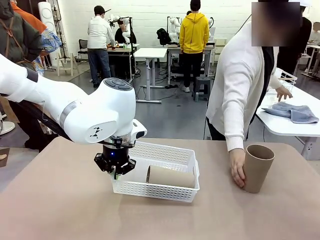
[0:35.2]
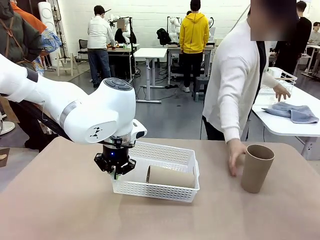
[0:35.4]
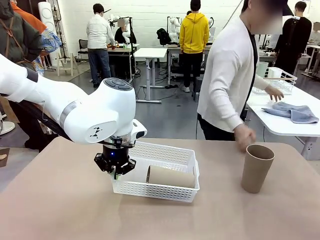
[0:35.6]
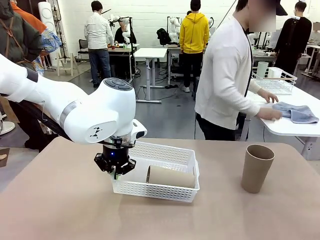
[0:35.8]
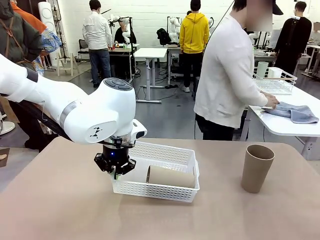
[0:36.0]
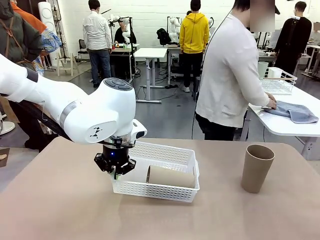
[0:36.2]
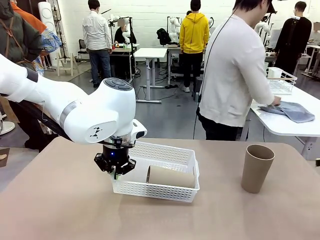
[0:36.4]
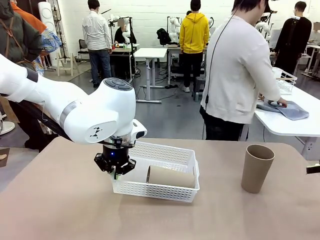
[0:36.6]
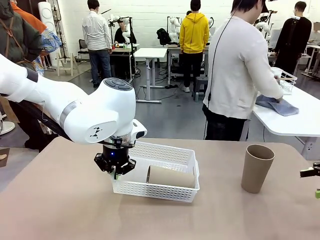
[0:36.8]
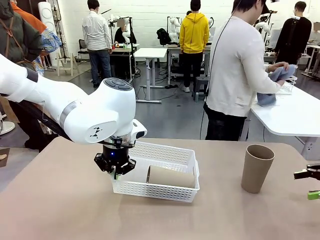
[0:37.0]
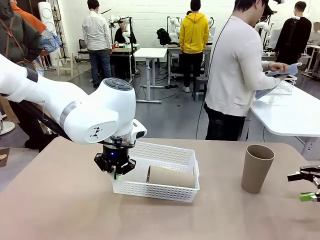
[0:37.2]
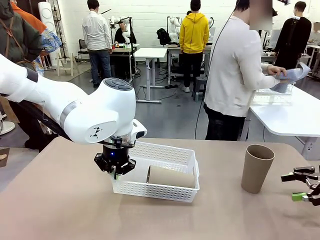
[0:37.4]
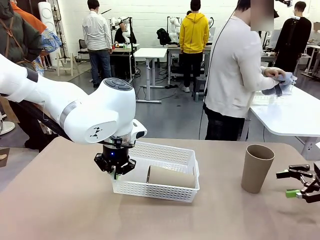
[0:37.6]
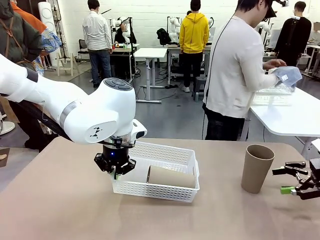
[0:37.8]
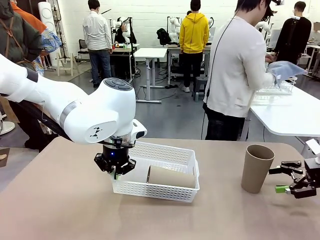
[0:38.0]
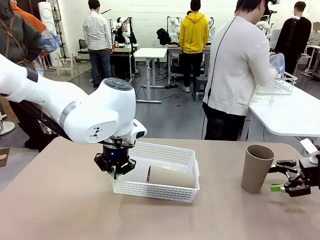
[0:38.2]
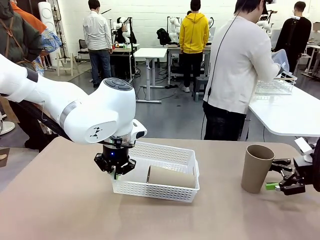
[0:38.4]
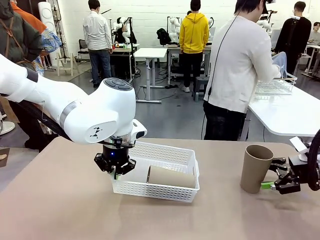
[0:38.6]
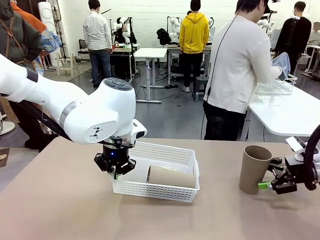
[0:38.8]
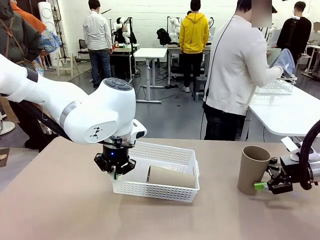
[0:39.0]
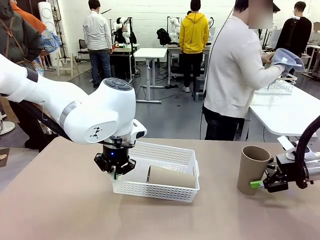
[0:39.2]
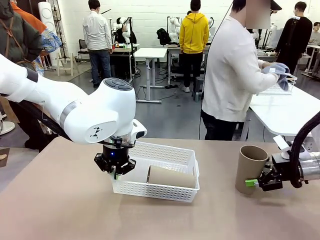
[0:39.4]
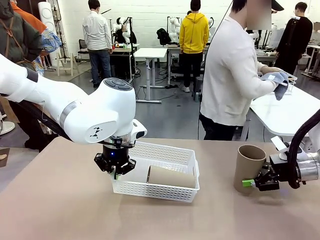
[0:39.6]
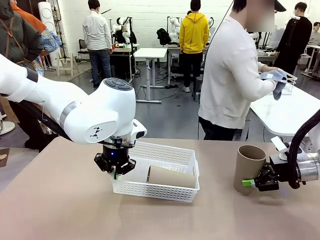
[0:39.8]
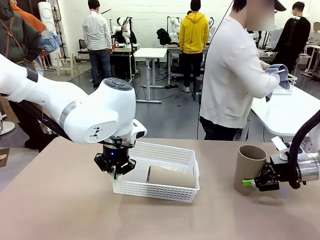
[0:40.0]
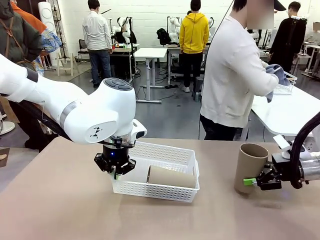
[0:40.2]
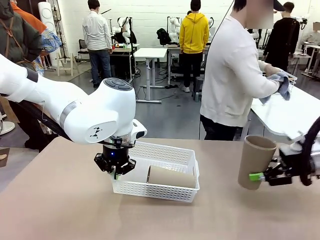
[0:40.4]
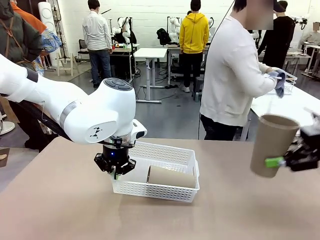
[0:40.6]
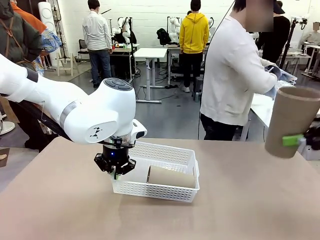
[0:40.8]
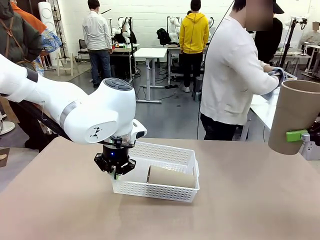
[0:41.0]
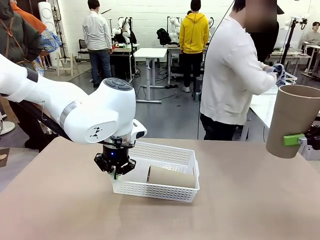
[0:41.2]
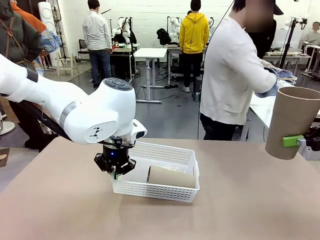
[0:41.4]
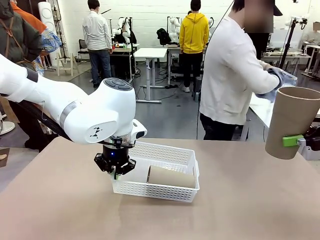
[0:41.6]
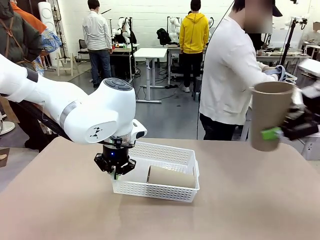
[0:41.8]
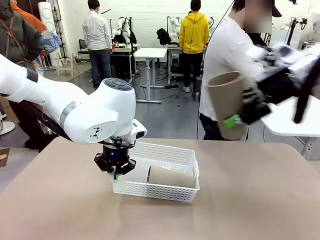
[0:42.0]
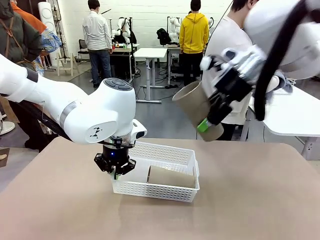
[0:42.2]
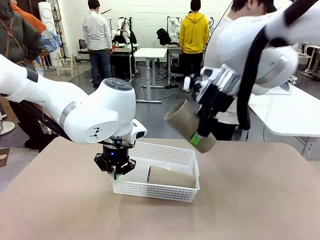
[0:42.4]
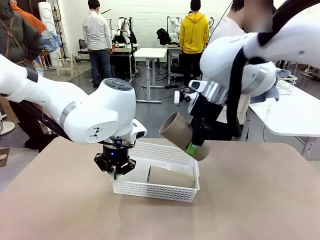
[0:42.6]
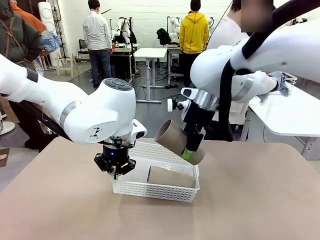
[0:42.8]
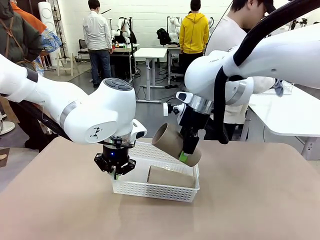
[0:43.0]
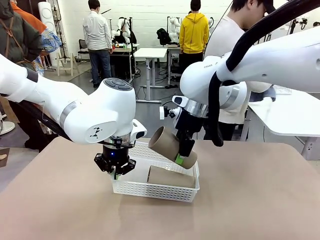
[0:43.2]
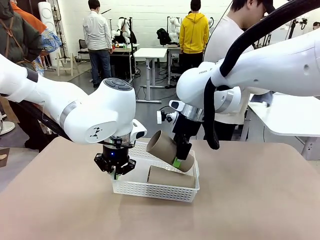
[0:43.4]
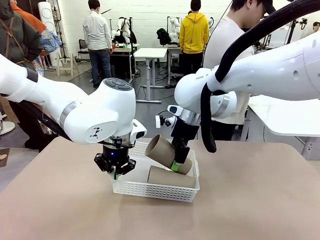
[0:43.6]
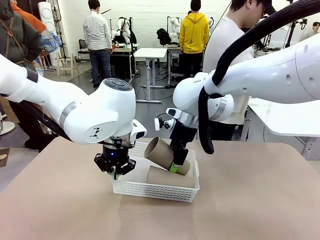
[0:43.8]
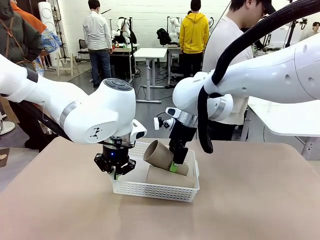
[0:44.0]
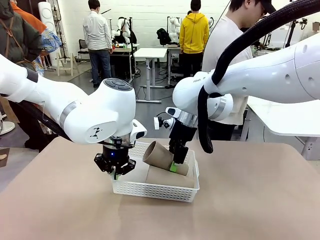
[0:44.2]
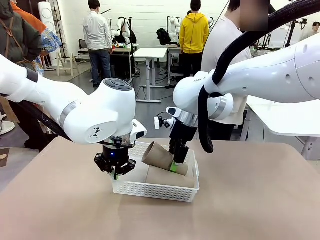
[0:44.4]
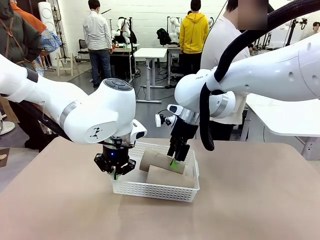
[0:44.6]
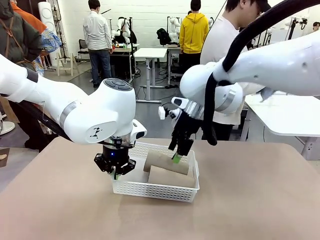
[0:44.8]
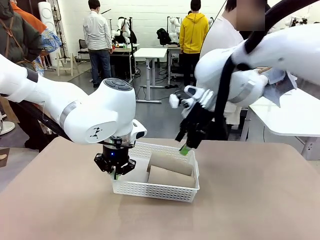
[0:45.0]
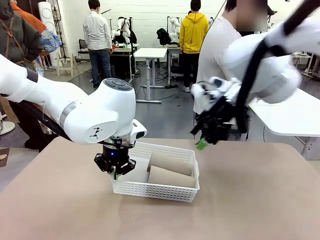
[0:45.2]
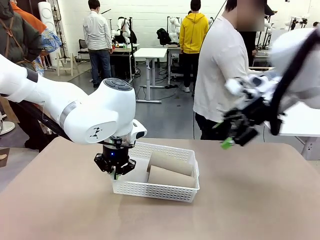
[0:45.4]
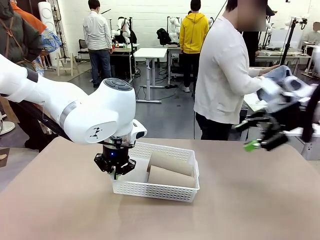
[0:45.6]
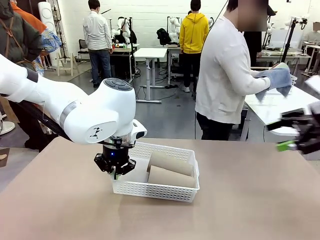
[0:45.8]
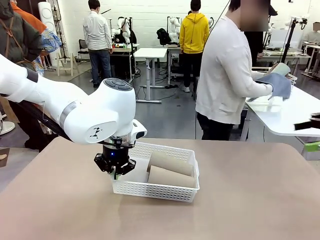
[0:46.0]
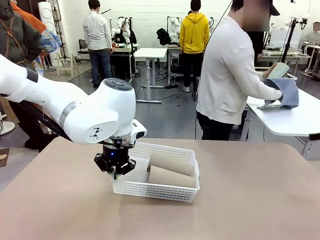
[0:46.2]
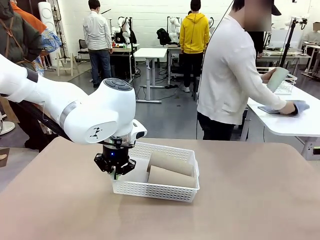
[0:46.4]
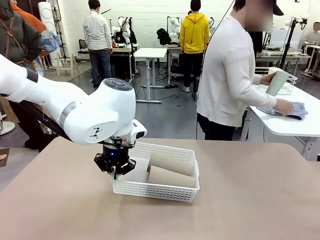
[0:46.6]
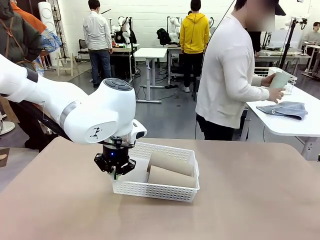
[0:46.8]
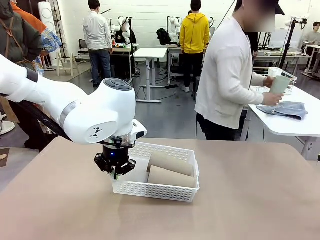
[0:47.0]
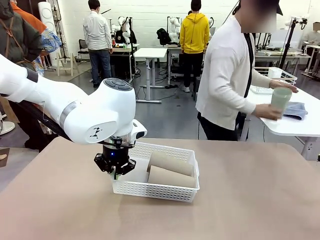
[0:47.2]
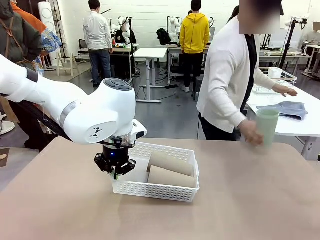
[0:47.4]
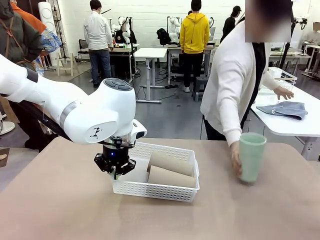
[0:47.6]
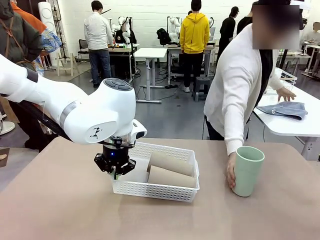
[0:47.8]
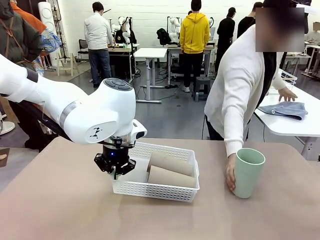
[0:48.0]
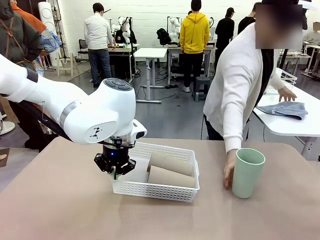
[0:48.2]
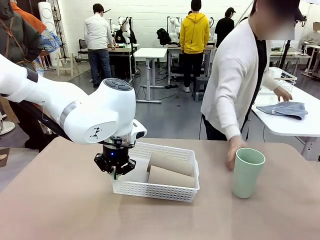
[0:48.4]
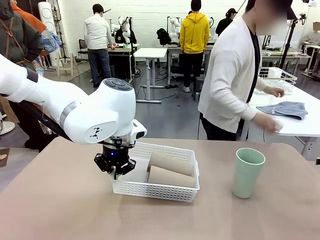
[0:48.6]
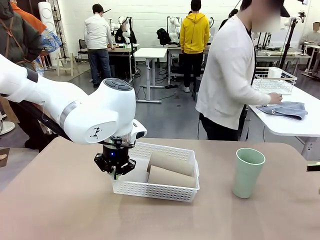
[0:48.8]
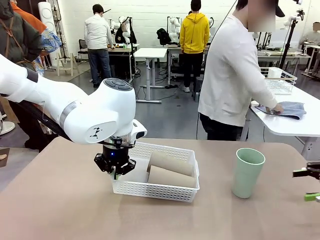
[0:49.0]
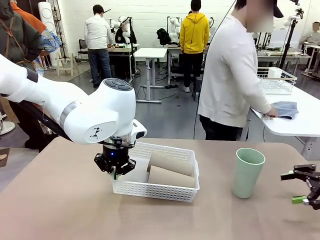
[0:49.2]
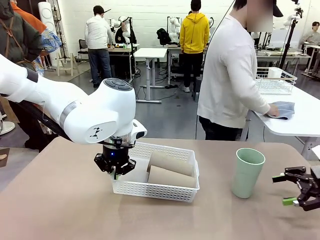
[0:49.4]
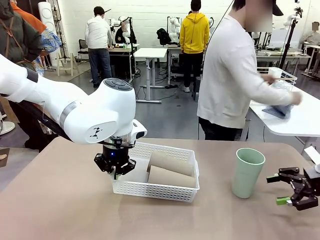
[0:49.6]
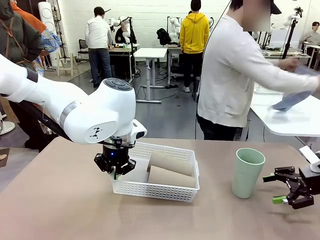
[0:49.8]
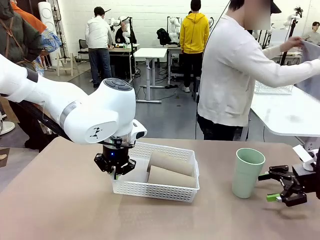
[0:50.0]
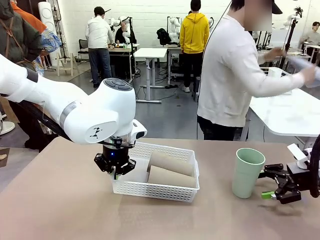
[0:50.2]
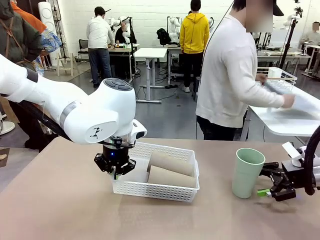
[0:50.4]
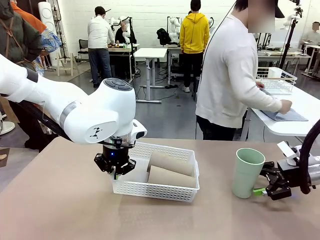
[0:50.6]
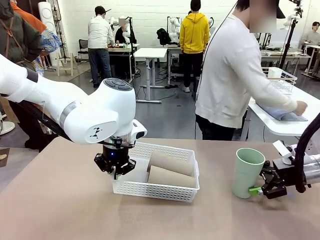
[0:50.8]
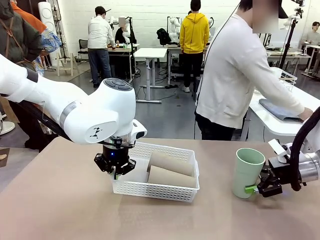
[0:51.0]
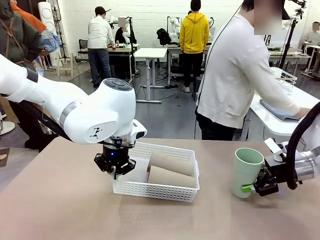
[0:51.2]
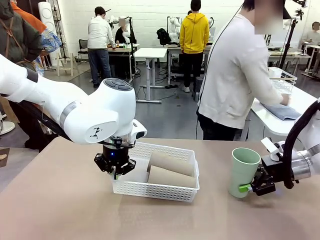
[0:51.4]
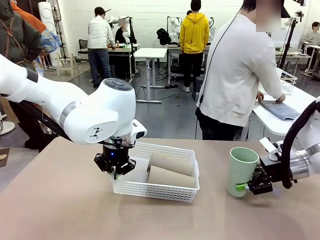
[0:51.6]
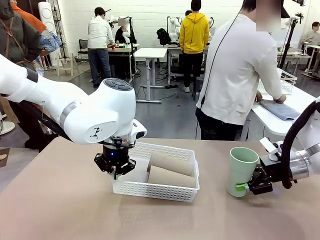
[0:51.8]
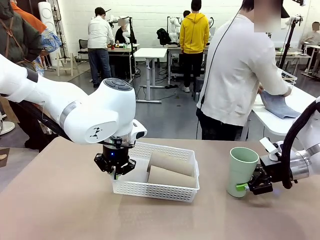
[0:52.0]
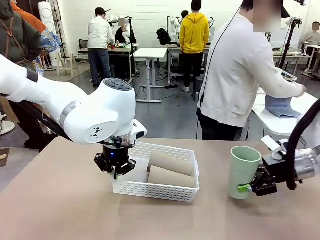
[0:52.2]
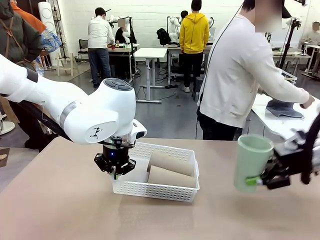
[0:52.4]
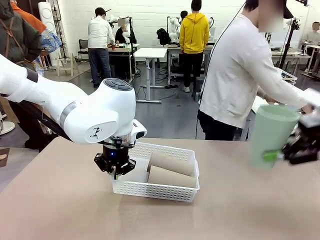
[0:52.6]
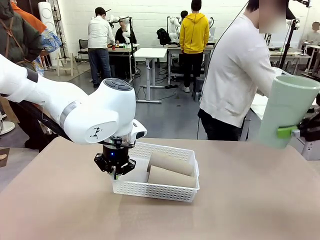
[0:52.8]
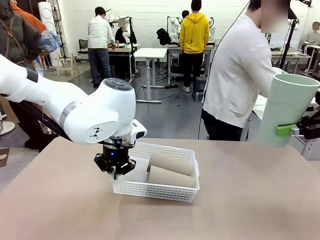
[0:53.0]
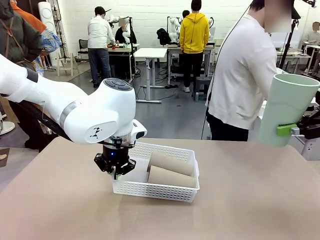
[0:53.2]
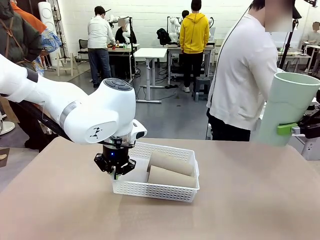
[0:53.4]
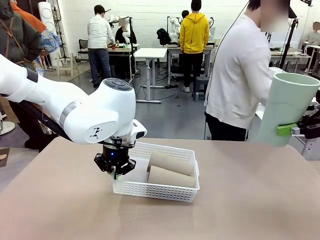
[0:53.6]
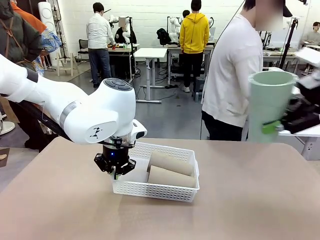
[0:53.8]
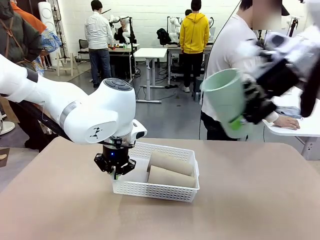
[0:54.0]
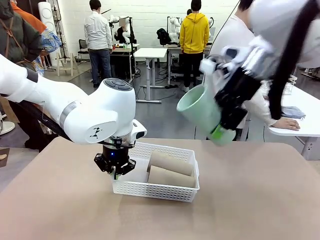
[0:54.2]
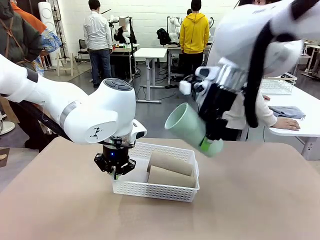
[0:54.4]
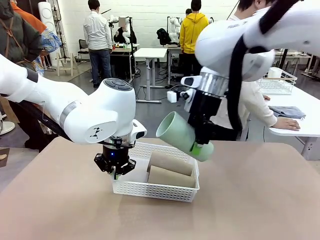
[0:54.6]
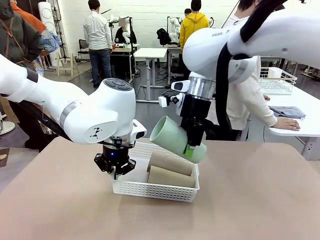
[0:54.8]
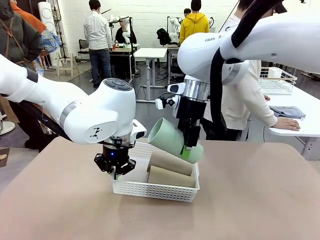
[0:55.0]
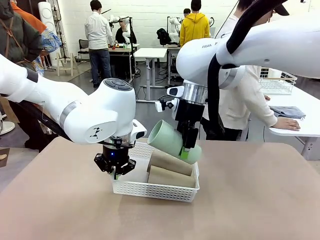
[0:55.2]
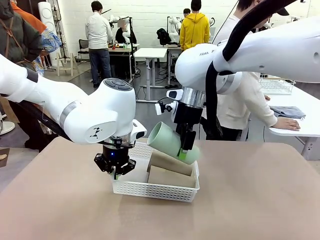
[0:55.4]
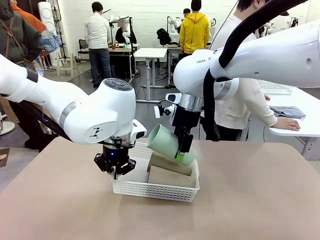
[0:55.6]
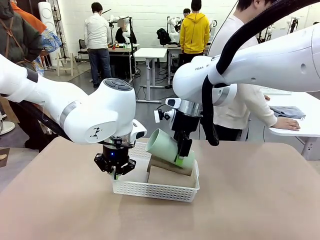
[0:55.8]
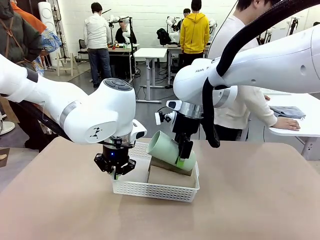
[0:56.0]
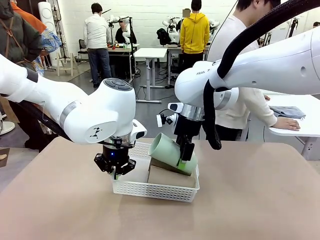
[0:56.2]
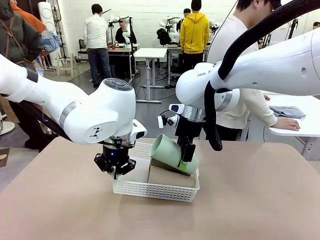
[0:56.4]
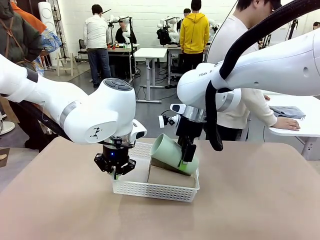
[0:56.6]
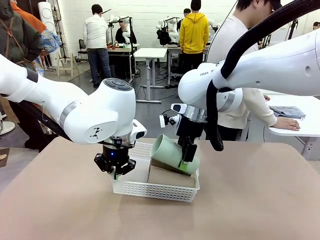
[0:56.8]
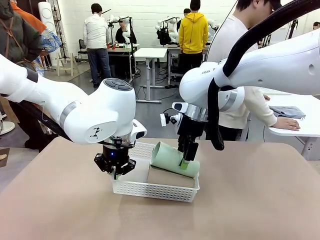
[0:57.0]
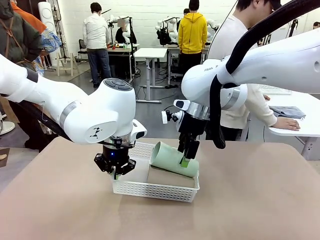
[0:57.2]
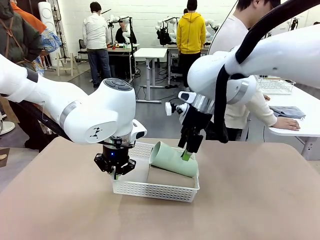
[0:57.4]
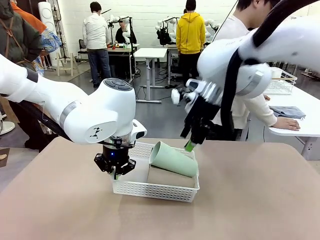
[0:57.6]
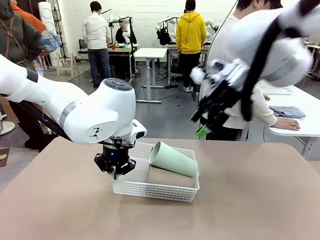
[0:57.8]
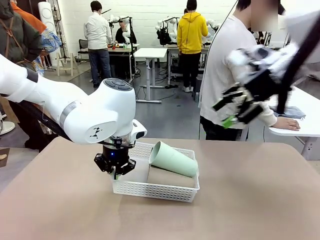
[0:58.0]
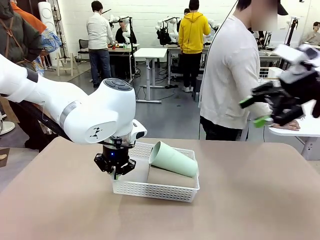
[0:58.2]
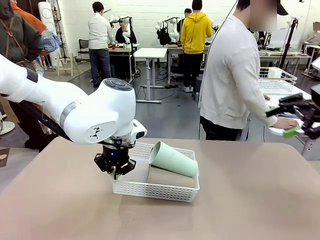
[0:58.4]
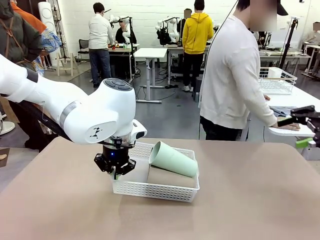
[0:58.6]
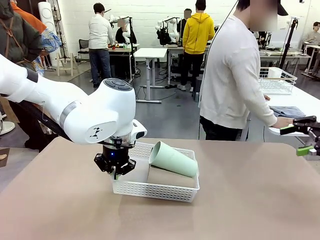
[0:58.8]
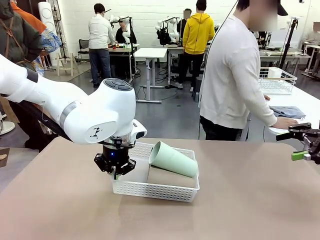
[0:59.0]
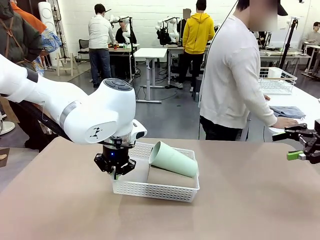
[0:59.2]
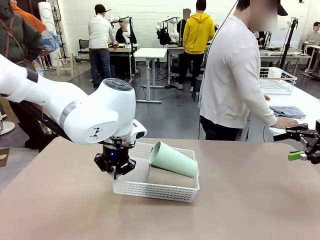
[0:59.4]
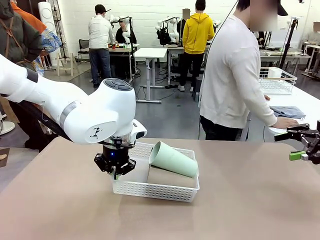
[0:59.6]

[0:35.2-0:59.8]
Task: Clean and organize the cups into the basket.
Robot: Pick up the Reusable plastic cup from the right side of the table and stack it inside the Organizing basket in the center of the table.
